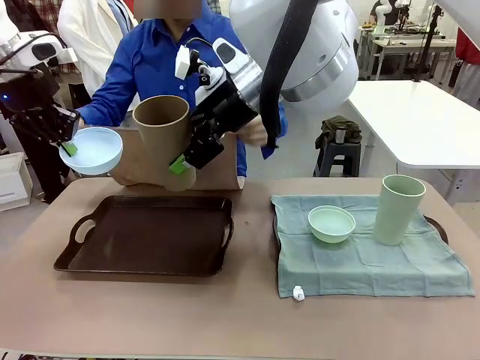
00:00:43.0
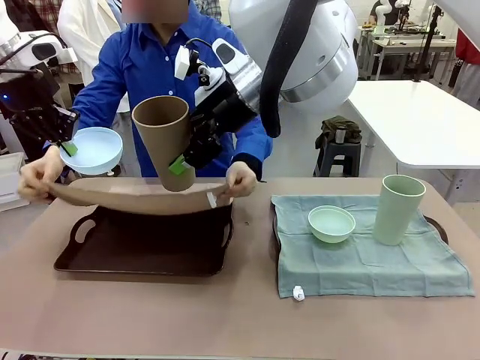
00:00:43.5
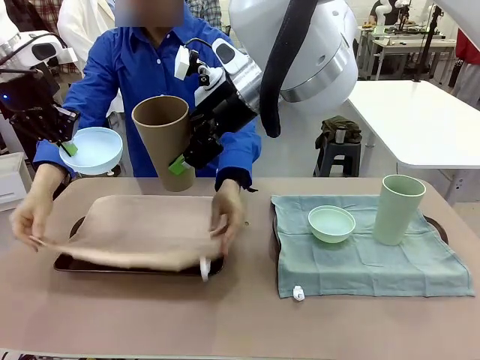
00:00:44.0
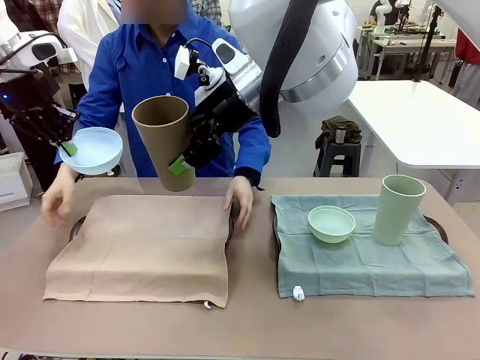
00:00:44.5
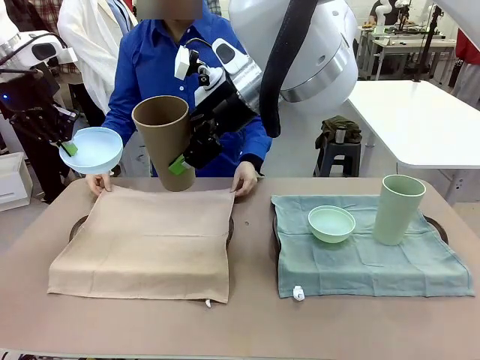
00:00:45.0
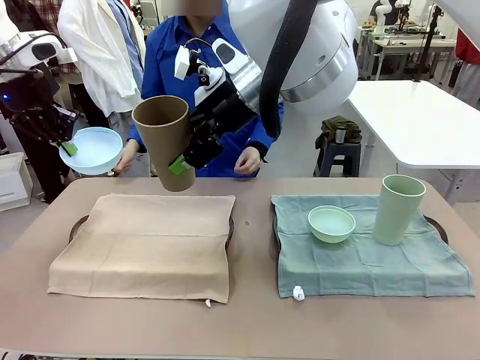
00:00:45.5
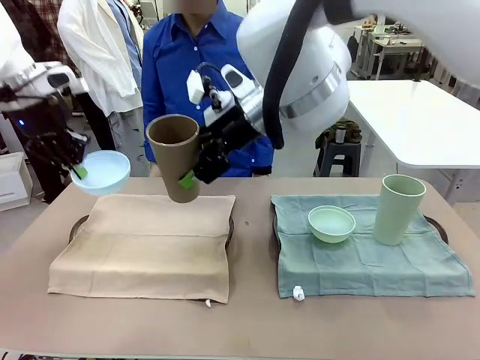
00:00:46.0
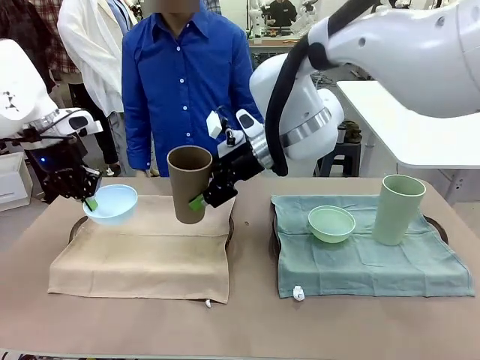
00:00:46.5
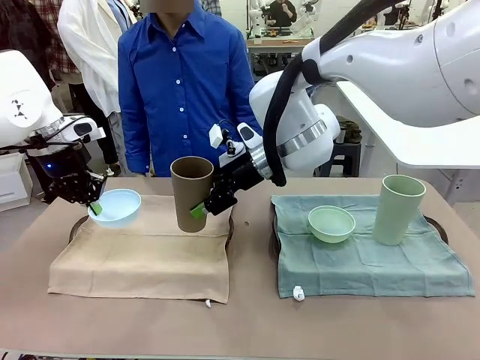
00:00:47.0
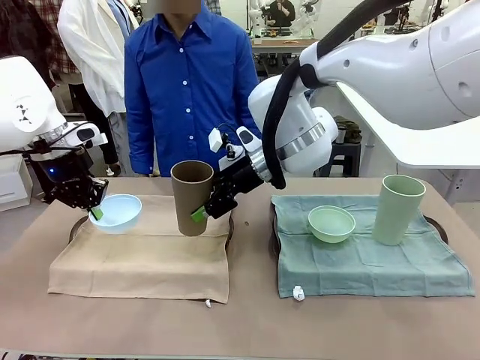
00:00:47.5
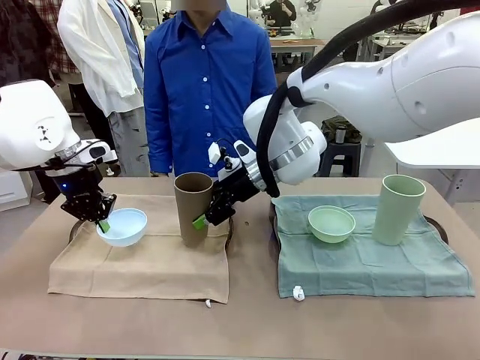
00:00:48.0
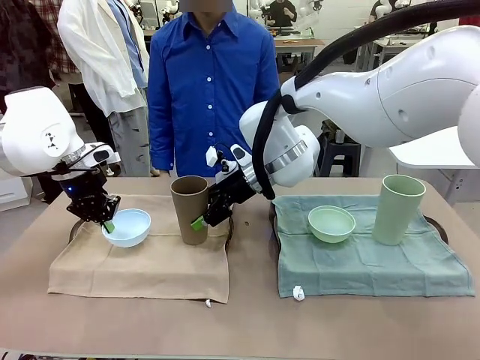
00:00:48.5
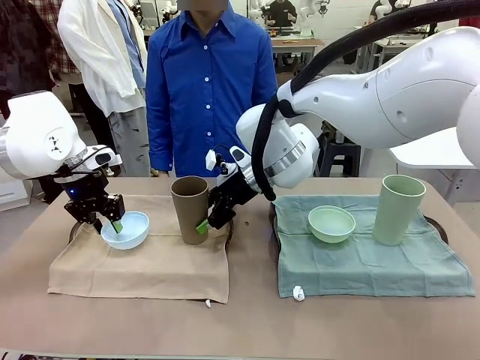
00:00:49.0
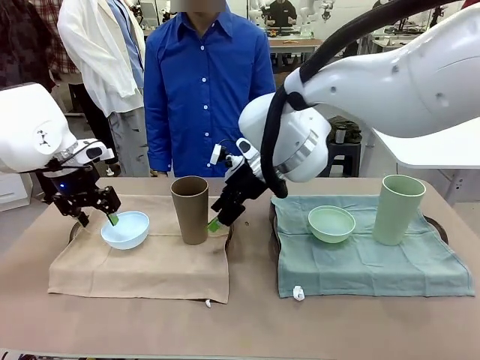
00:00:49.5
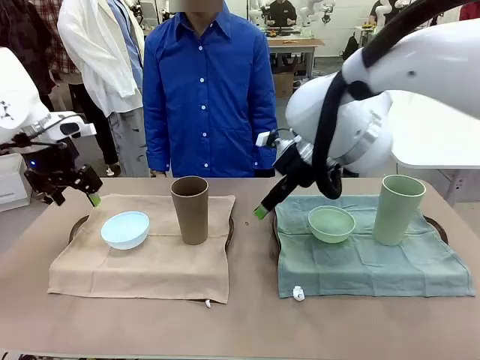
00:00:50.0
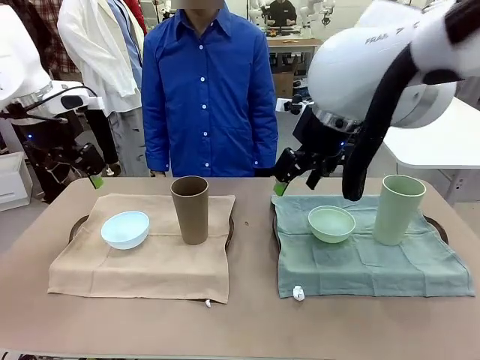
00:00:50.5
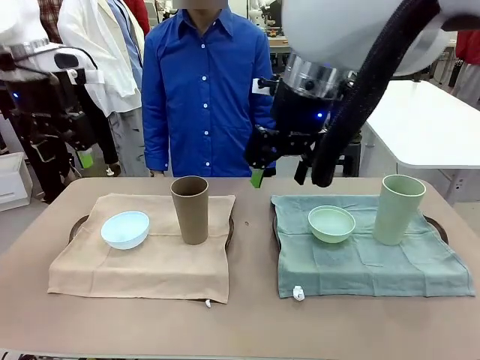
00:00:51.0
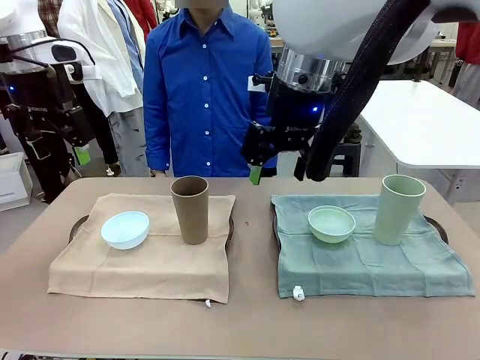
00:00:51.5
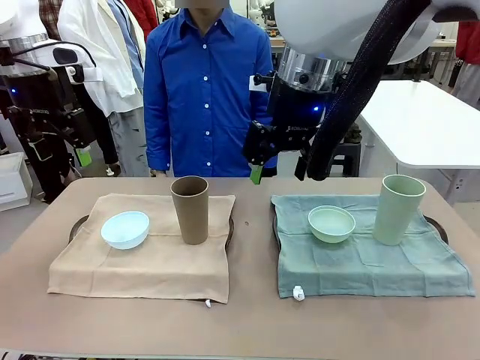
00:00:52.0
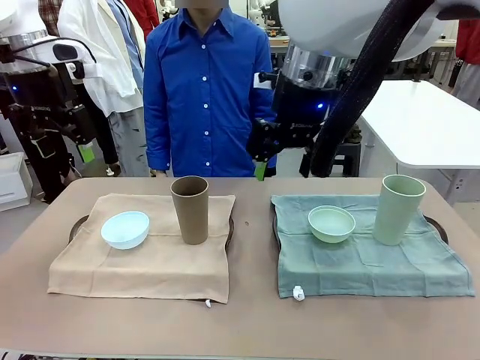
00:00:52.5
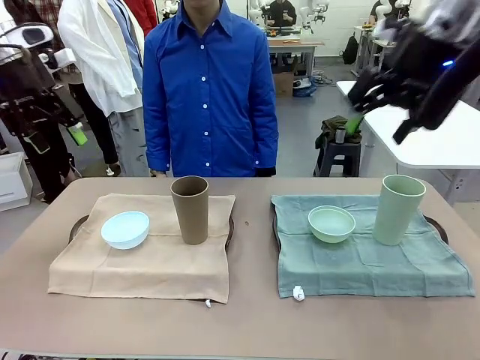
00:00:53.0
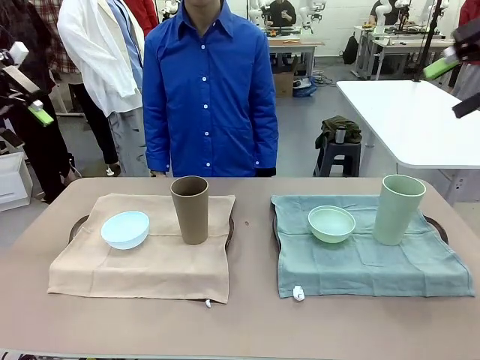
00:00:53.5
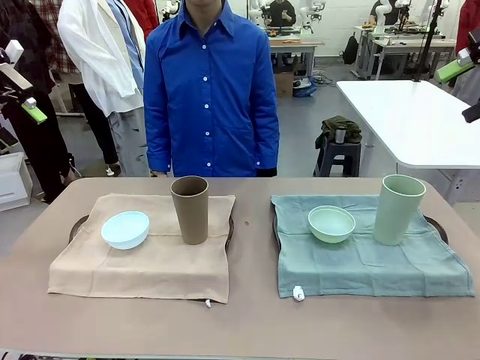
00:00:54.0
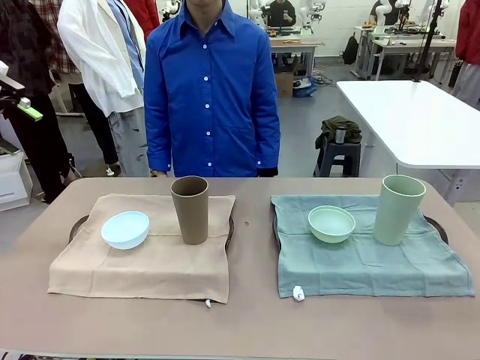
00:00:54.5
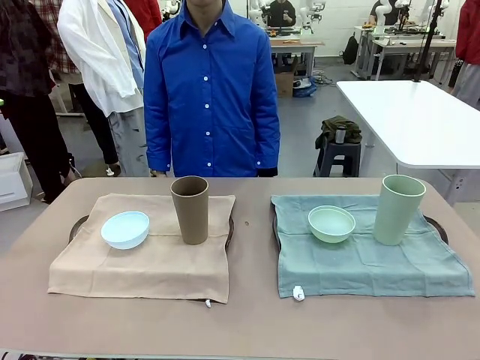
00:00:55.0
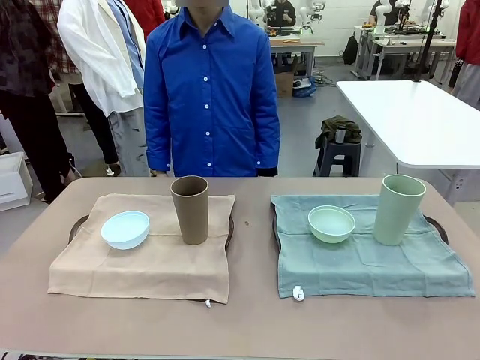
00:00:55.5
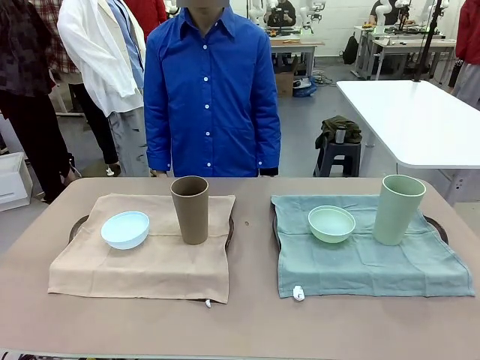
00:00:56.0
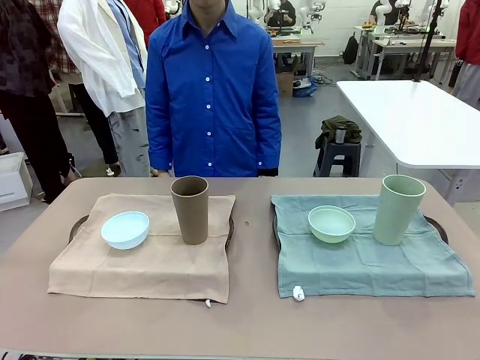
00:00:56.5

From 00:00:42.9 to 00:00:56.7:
Robot: Place the Picnic Bowl and Reusable plastic cup back onto the Handle tray in front of the human's position.
Person: When the robot lifts the bowl and the cup, the human unfolds the napkin and lays the napkin flat on the tray.

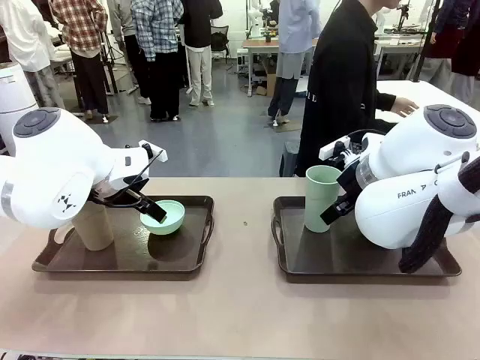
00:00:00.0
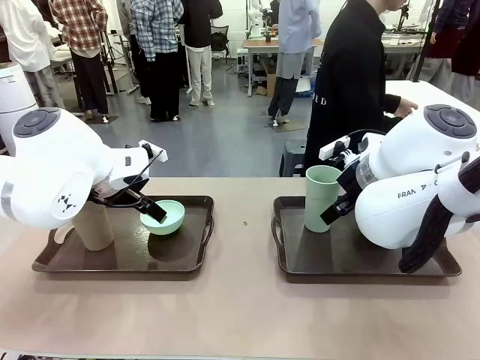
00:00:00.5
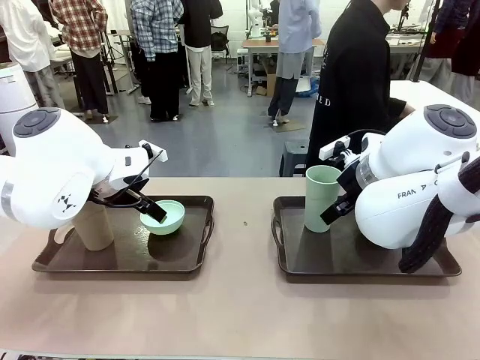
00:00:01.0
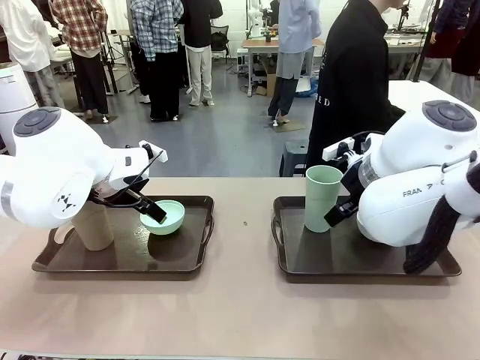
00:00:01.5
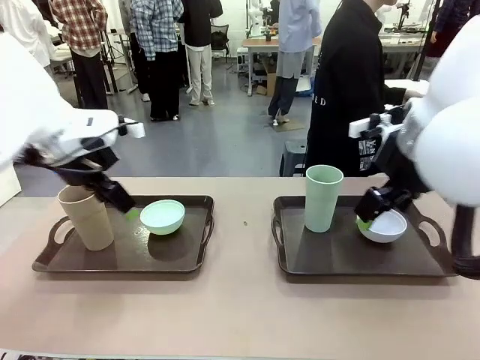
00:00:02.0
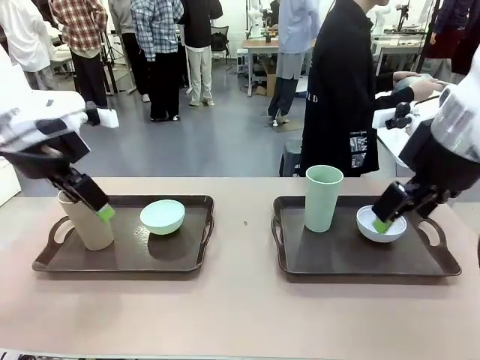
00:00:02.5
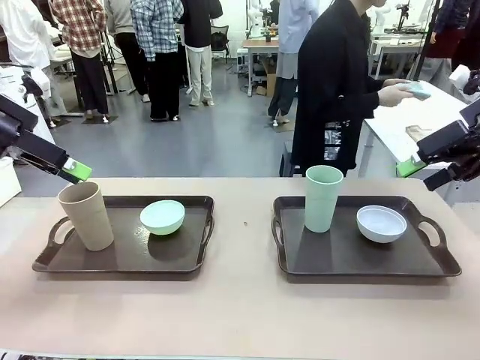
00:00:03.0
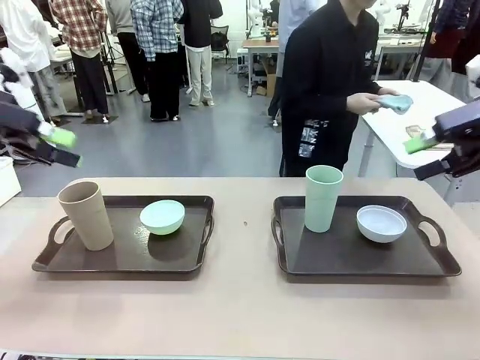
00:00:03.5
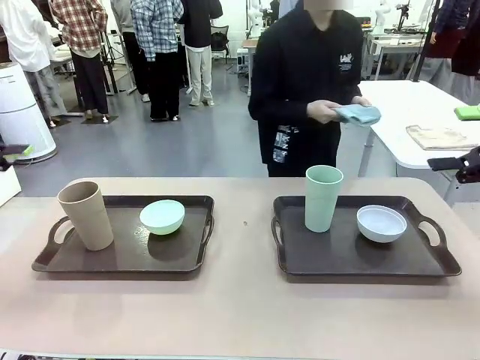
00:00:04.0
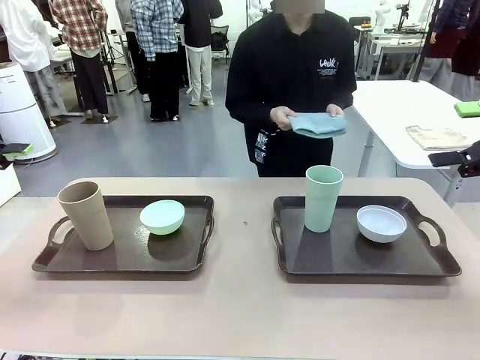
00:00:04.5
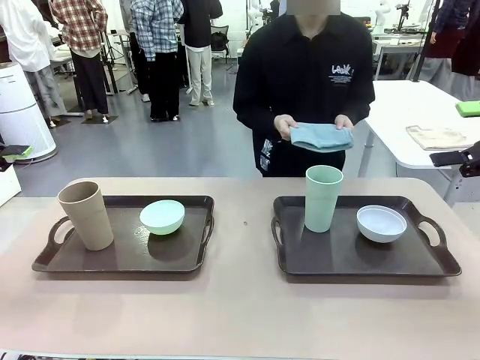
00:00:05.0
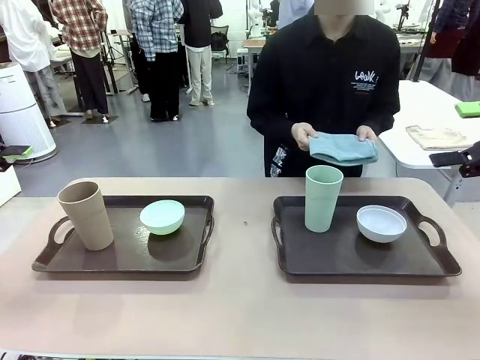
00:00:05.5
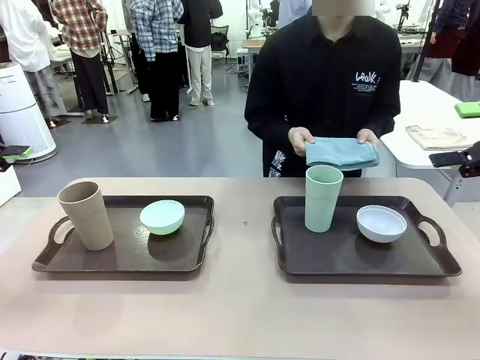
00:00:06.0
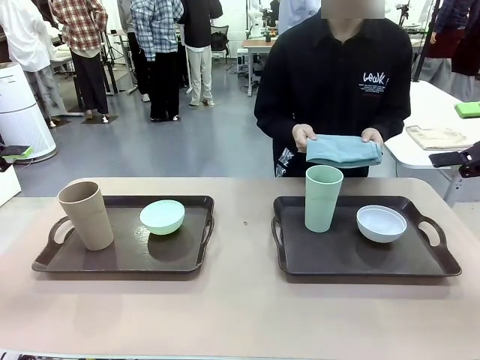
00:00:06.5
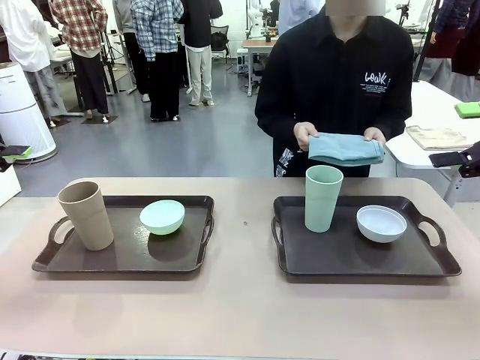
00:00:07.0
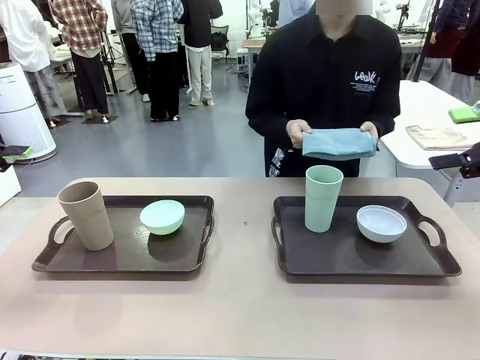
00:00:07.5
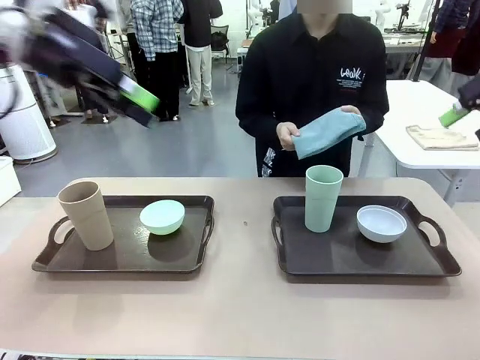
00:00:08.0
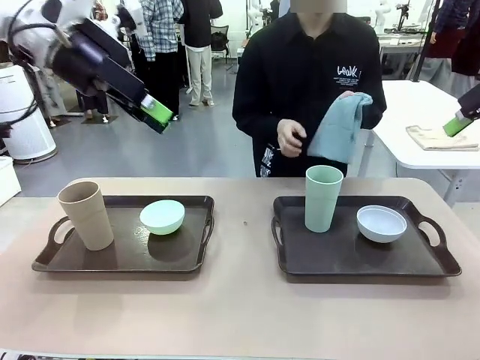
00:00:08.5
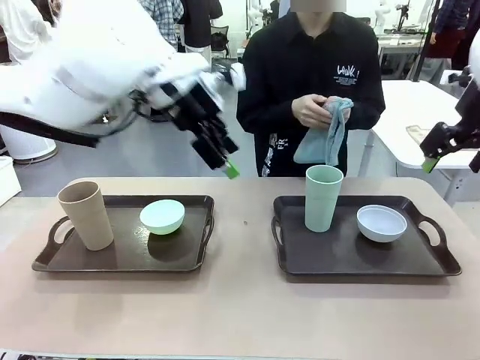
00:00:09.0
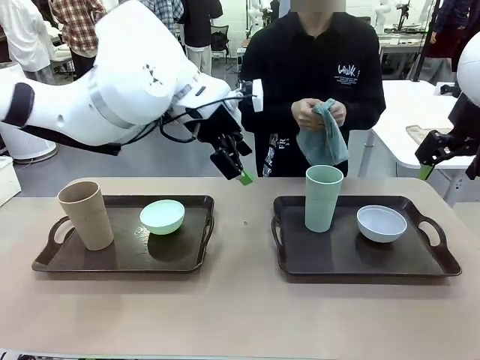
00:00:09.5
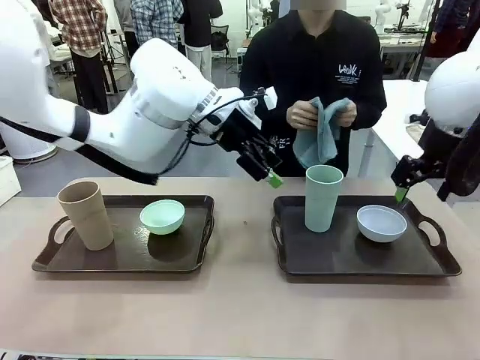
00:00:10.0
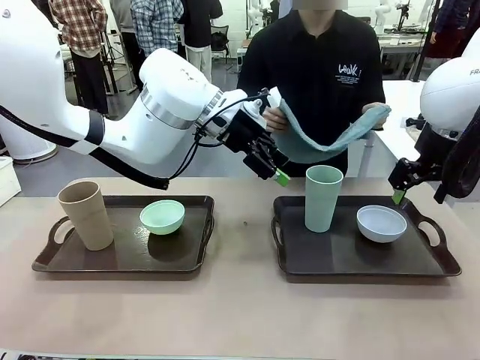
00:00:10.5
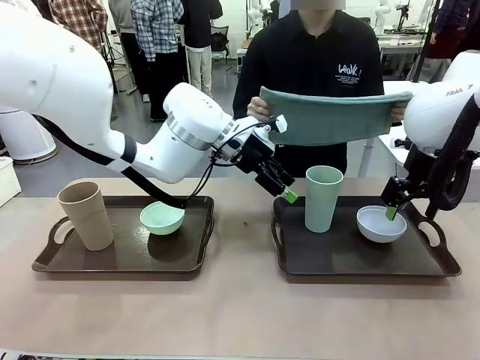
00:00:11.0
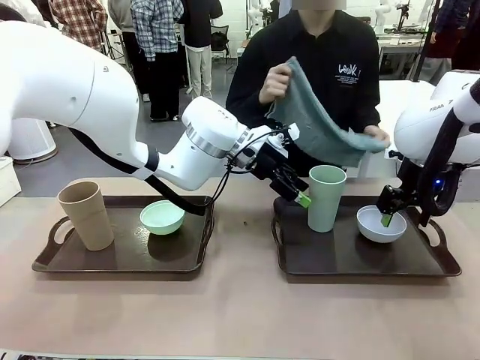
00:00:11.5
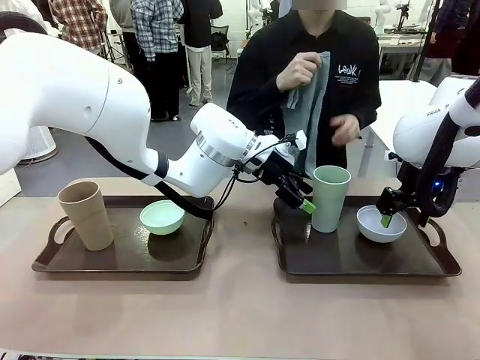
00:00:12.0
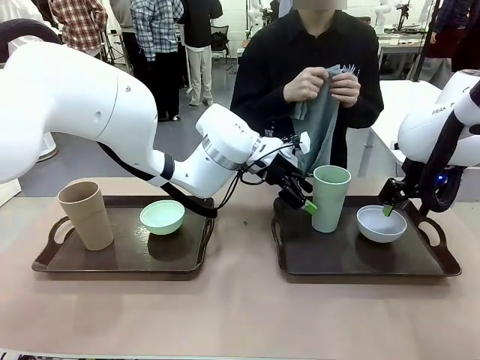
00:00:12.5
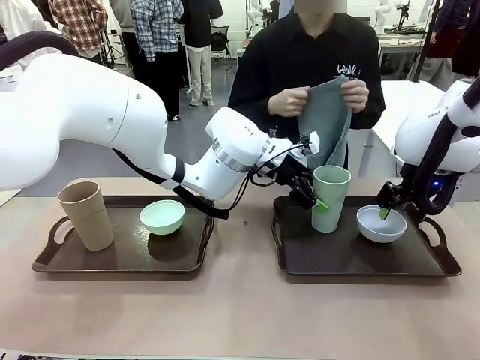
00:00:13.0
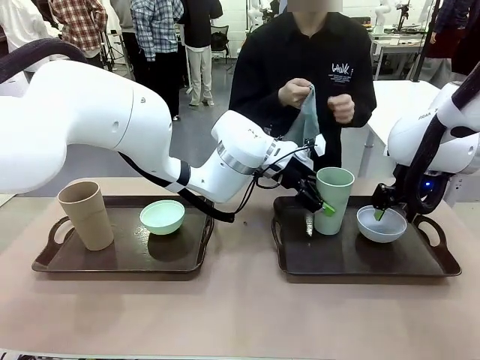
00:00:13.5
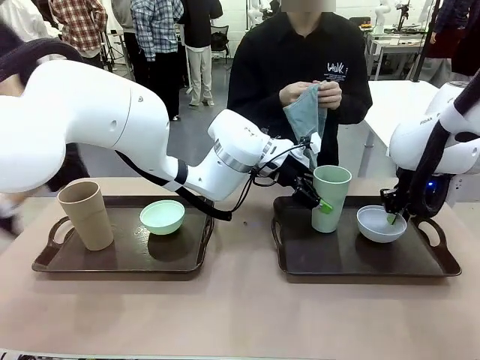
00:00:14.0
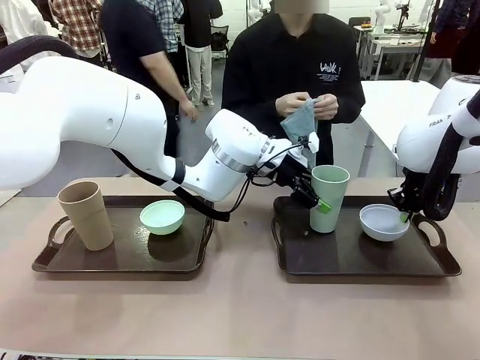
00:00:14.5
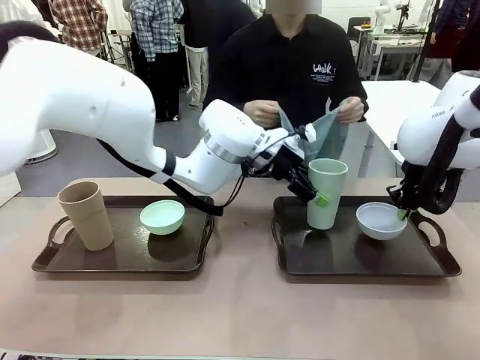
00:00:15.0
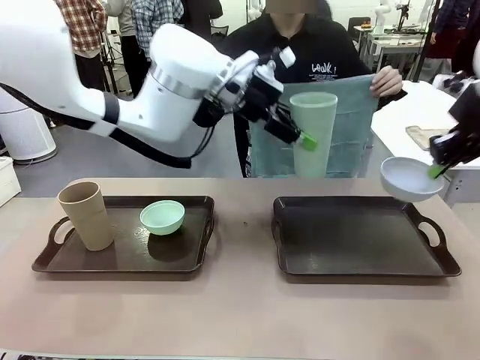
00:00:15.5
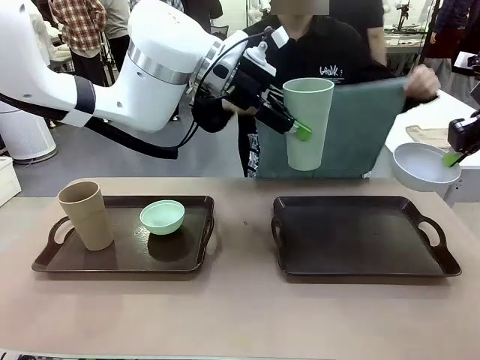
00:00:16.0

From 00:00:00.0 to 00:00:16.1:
Robot: Pick up the Picnic Bowl and Reusable plastic cup from the Handle tray in front of the human's position and hold them in the air.
Person: The human picks up the top napkin from the stack on the human table and walks to the robot table to stand in front of one of the two trays. When the robot lifts the bowl and the cup, the human unfolds the napkin and lays the napkin flat on the tray.
